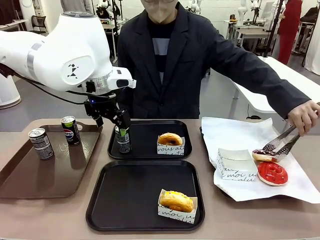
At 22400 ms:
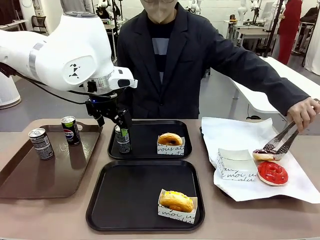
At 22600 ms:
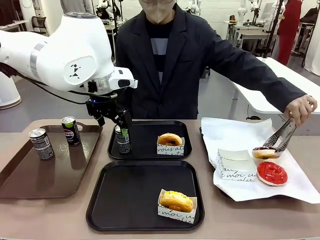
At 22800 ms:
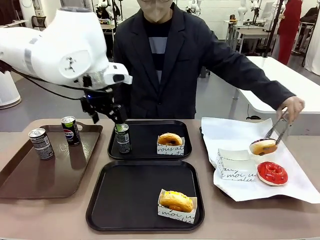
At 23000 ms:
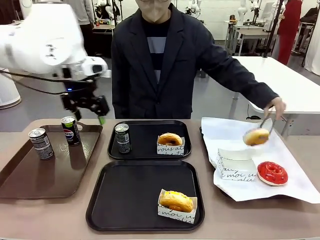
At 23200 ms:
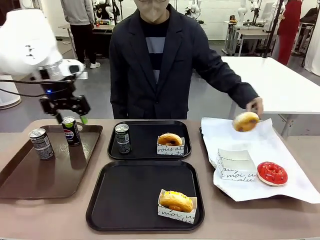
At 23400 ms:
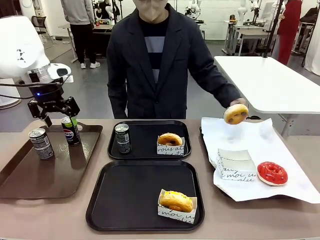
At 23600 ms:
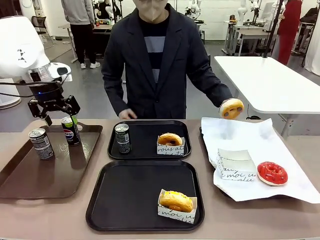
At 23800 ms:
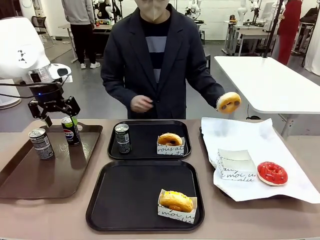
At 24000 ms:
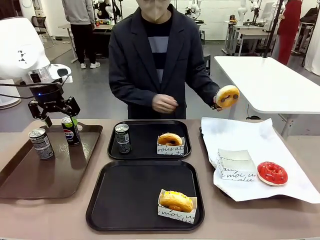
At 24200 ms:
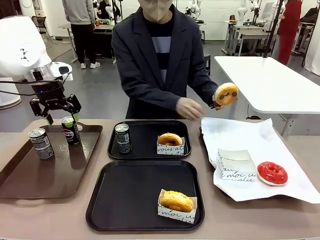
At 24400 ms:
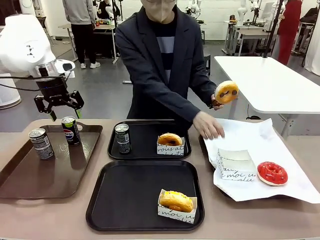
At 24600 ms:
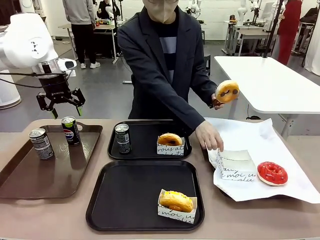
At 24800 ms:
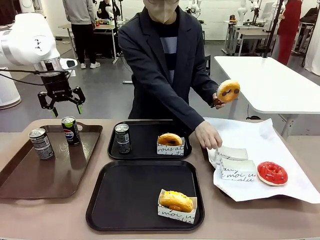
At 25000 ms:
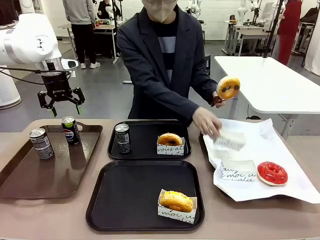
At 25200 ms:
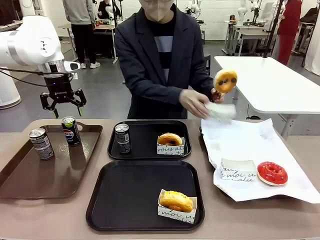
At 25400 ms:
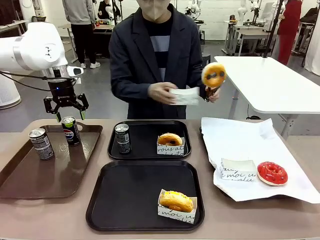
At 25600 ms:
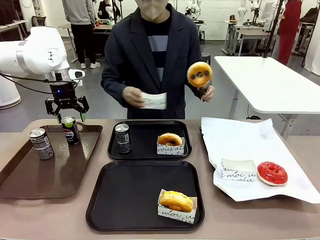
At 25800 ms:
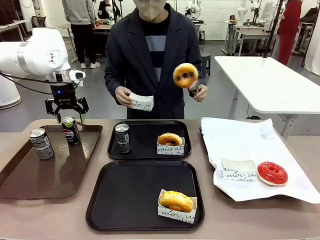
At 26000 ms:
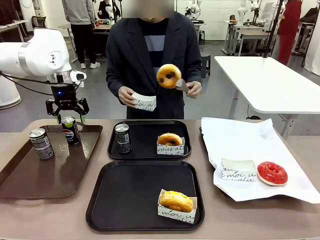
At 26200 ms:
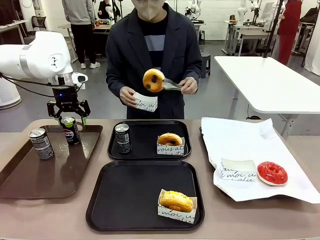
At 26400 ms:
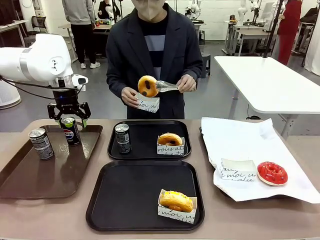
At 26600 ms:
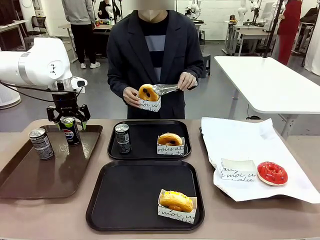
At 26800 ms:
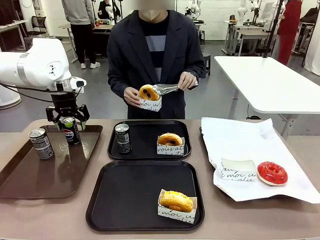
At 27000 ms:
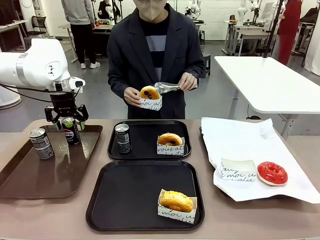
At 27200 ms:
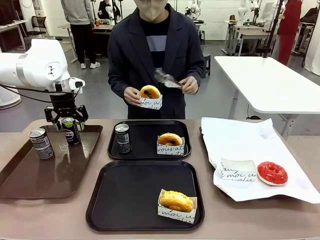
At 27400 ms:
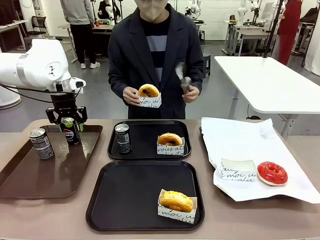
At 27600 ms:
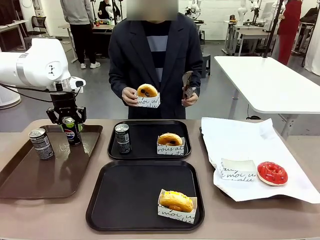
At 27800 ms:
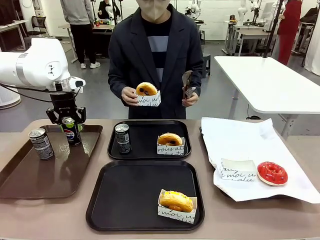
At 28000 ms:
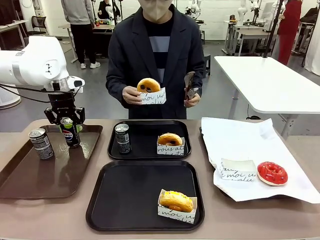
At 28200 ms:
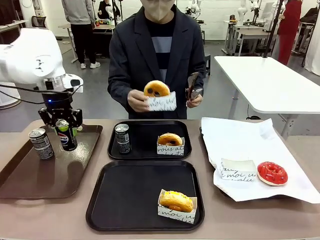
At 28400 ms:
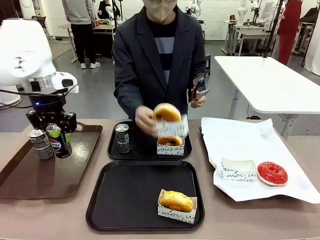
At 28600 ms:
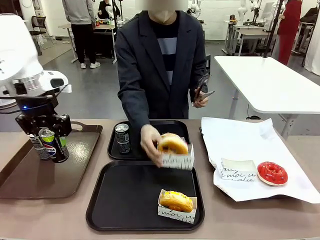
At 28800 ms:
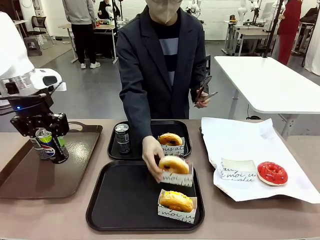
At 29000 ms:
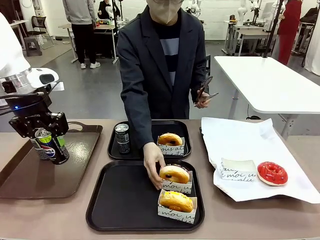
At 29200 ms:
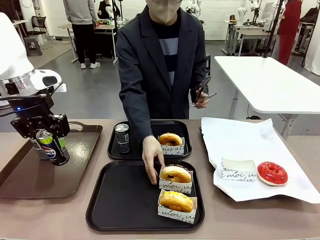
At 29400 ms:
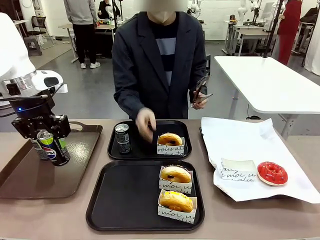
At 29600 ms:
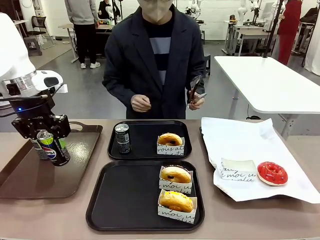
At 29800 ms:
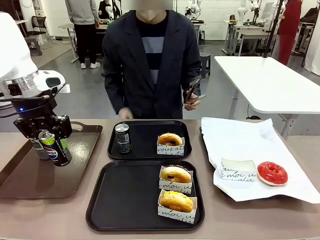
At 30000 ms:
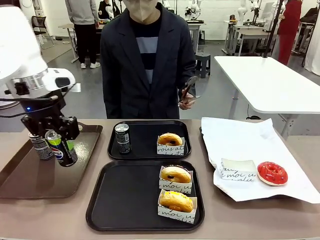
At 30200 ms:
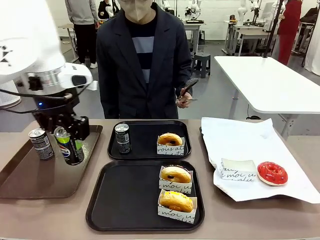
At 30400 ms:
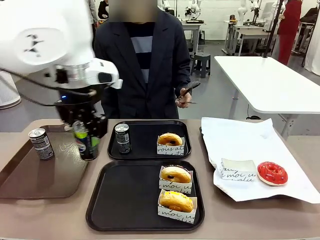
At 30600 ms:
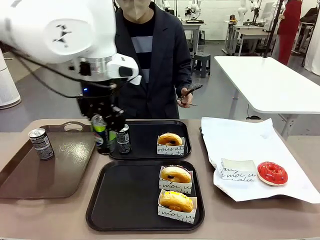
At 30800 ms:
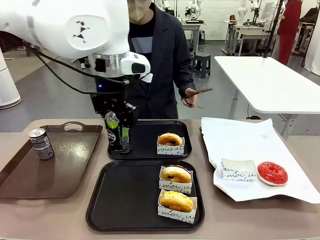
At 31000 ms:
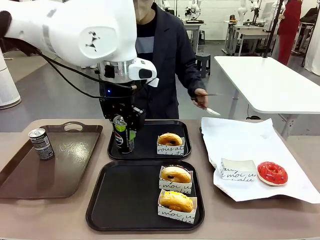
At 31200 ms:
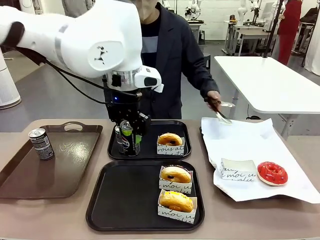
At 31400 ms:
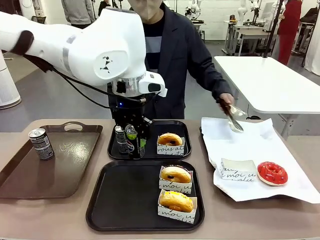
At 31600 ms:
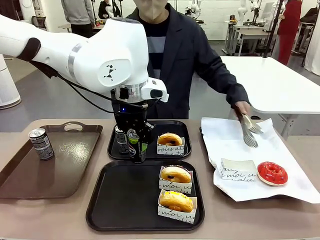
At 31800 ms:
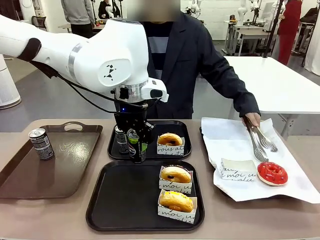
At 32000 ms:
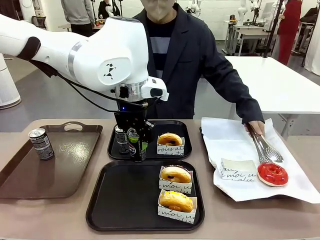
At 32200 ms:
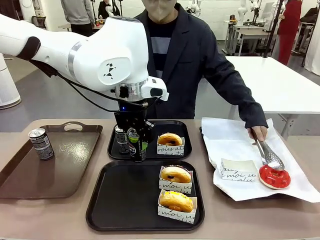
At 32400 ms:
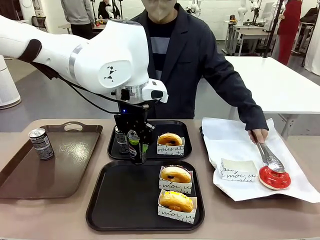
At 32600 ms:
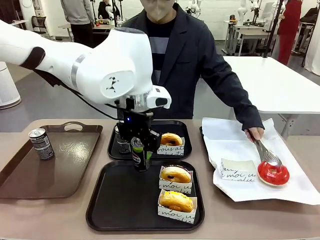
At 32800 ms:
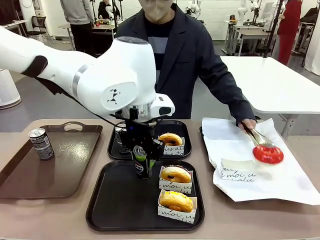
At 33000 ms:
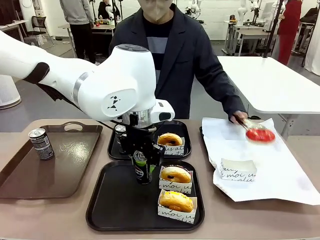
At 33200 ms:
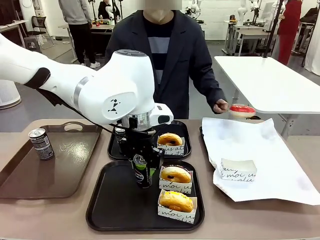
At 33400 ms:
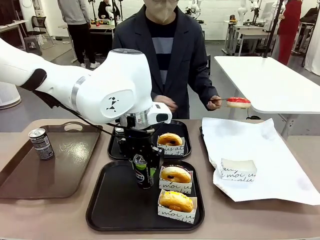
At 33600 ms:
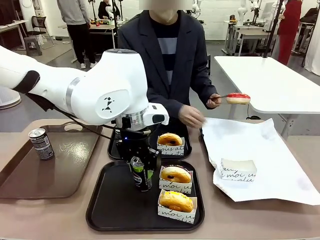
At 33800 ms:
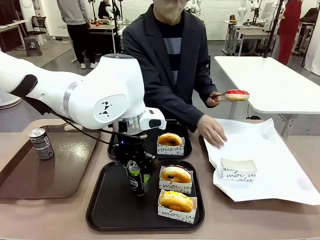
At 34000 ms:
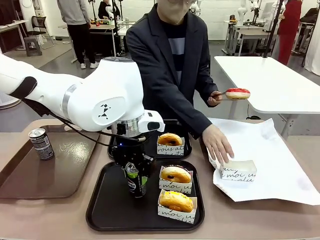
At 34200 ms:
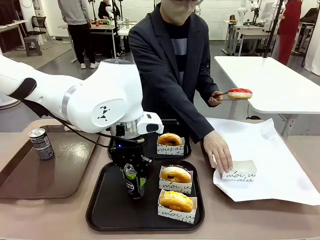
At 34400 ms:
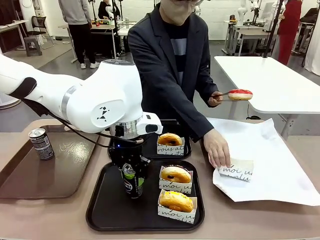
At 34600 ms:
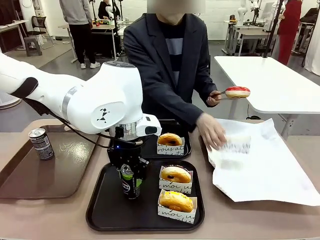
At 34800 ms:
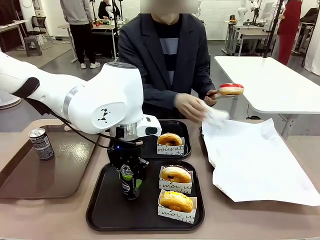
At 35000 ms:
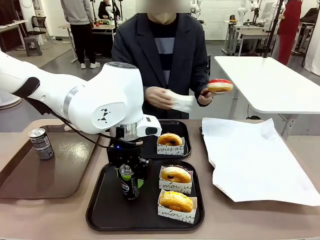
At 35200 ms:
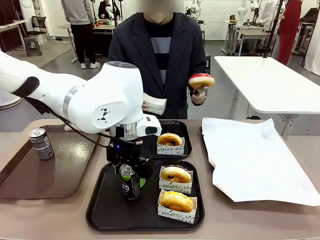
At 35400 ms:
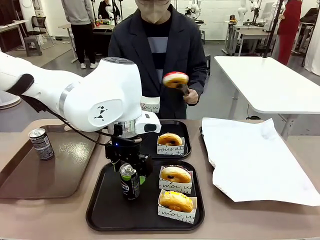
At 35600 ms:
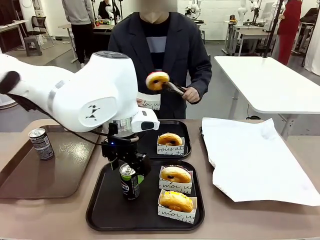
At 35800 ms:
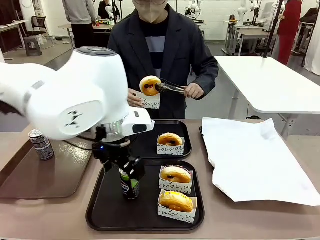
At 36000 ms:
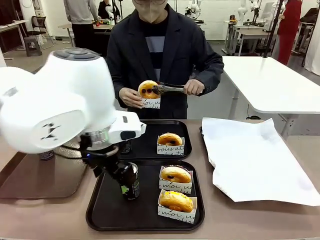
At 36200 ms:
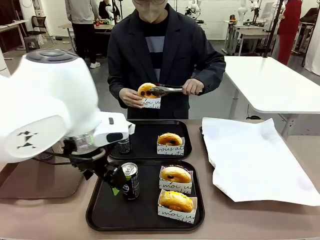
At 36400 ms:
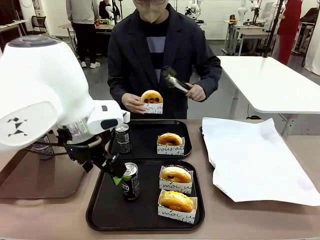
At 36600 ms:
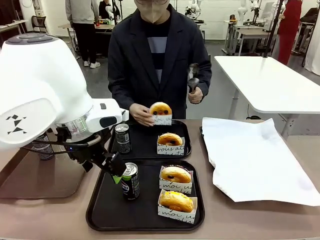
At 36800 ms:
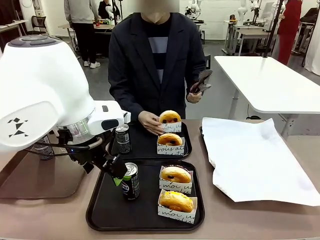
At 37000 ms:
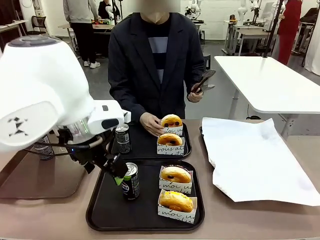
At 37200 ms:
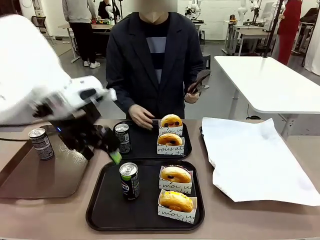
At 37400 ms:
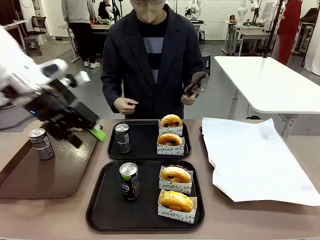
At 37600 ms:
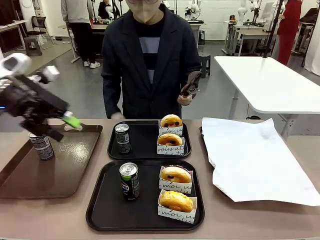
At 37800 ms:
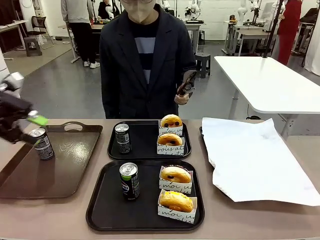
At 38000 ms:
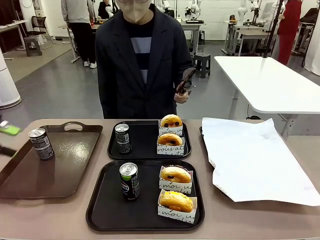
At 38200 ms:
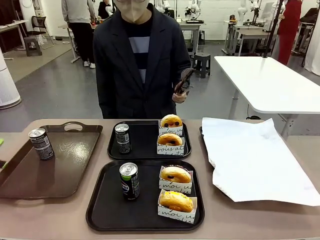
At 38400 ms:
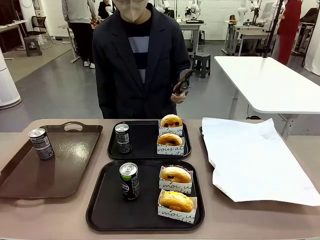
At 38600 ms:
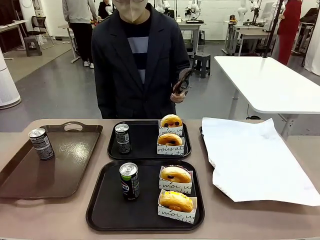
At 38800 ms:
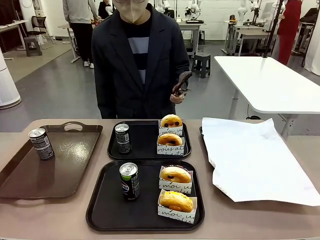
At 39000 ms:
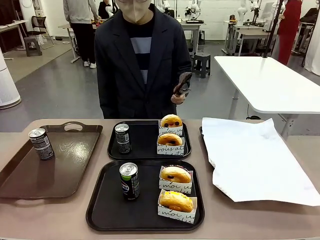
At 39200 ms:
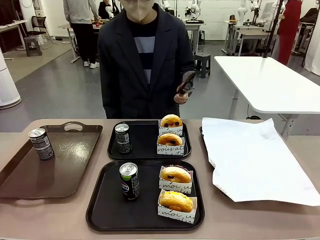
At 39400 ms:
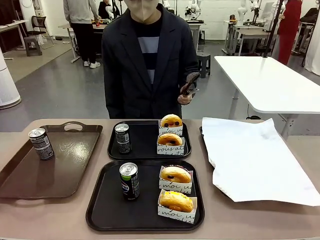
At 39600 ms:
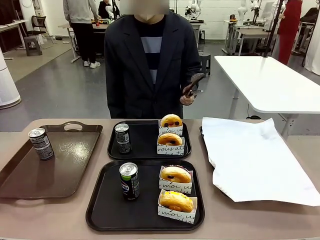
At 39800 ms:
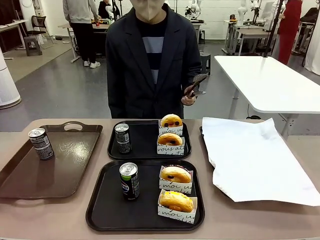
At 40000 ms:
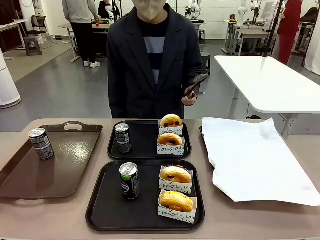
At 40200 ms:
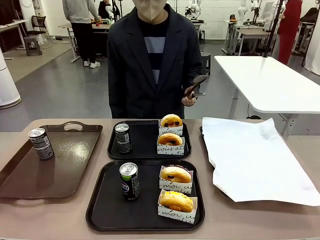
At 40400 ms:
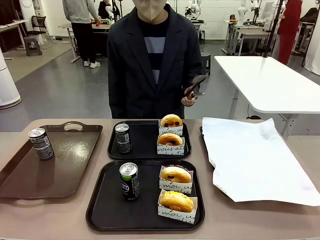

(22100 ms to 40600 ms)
Task: Set up donuts and drinks on trays.
Robot: Pick up one Pepsi coke from the Handle tray and place it on the Flat Tray without a Pepsi coke.
